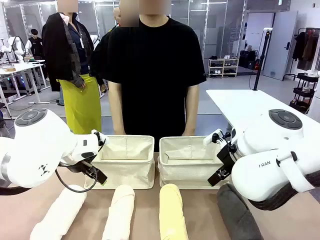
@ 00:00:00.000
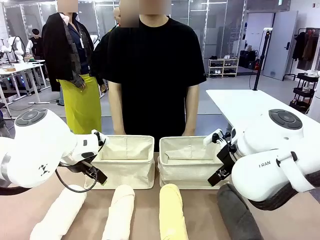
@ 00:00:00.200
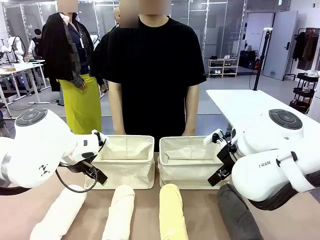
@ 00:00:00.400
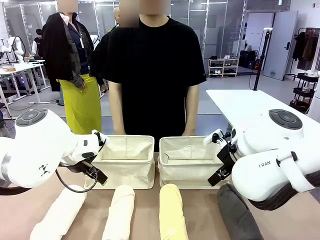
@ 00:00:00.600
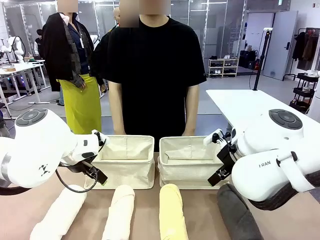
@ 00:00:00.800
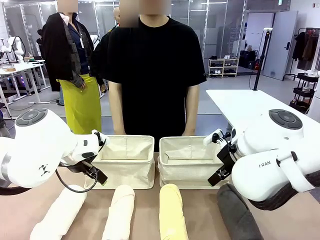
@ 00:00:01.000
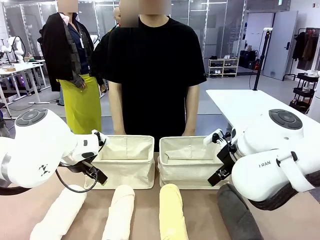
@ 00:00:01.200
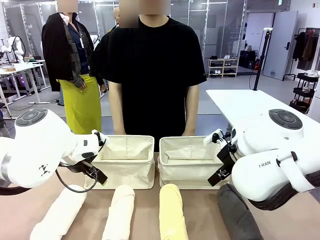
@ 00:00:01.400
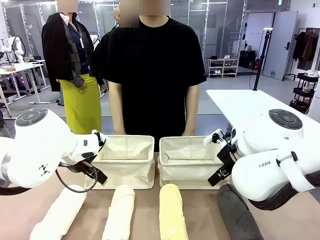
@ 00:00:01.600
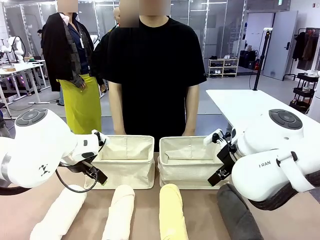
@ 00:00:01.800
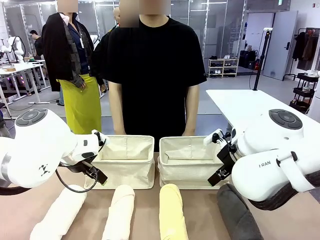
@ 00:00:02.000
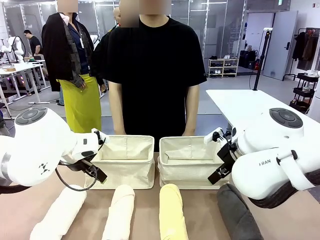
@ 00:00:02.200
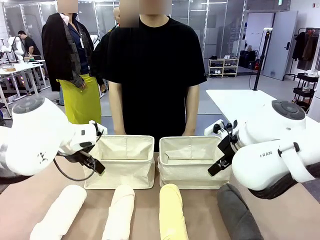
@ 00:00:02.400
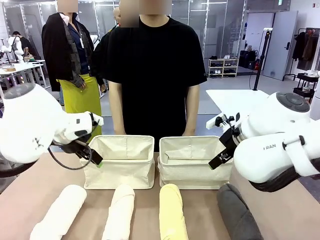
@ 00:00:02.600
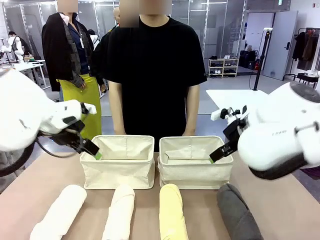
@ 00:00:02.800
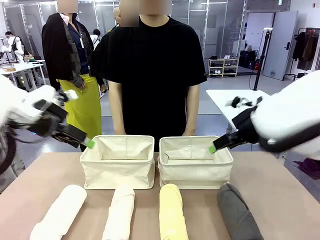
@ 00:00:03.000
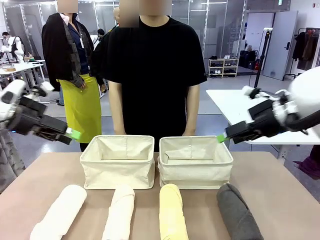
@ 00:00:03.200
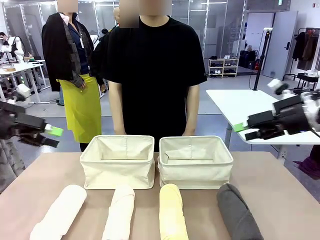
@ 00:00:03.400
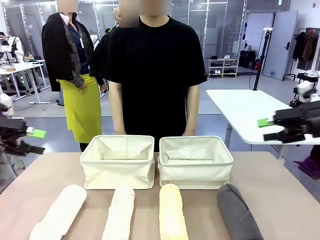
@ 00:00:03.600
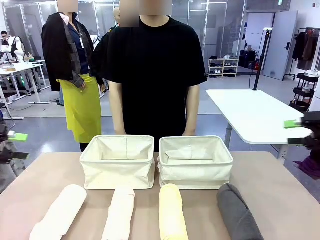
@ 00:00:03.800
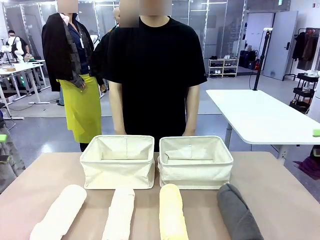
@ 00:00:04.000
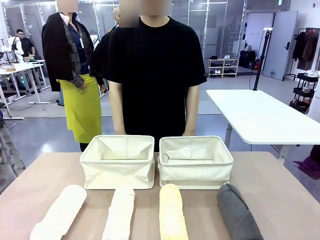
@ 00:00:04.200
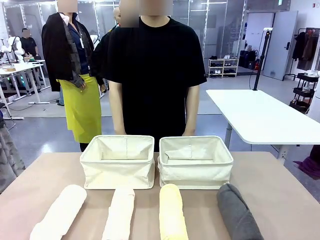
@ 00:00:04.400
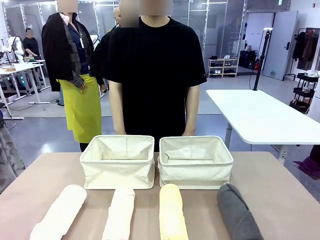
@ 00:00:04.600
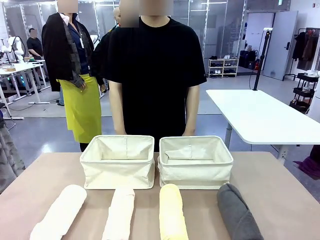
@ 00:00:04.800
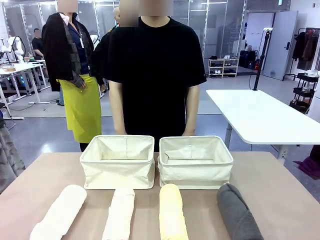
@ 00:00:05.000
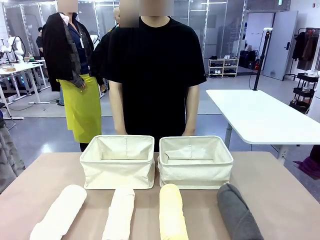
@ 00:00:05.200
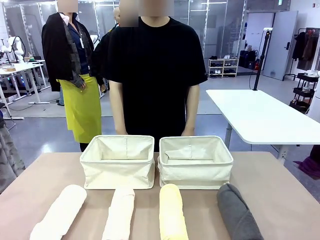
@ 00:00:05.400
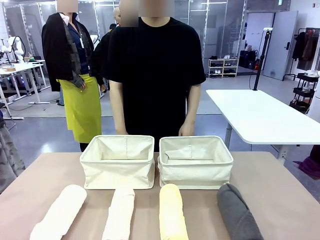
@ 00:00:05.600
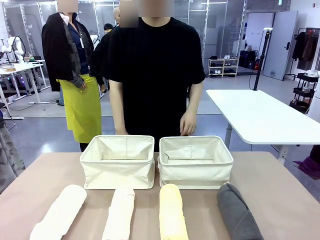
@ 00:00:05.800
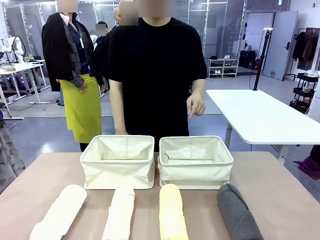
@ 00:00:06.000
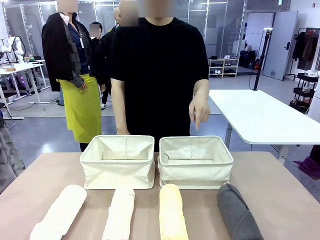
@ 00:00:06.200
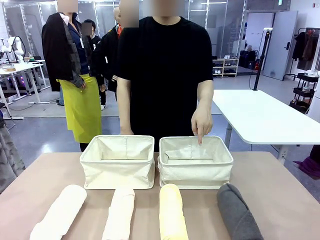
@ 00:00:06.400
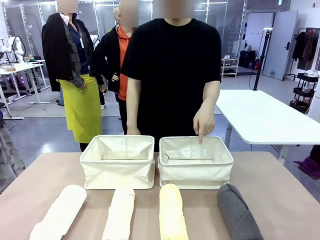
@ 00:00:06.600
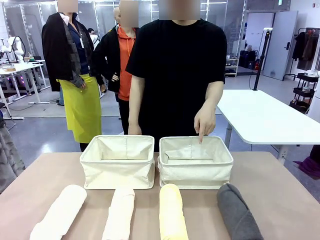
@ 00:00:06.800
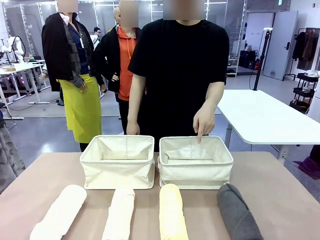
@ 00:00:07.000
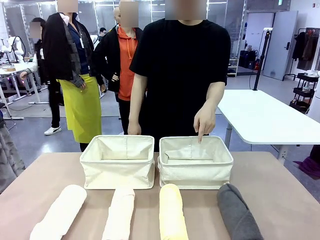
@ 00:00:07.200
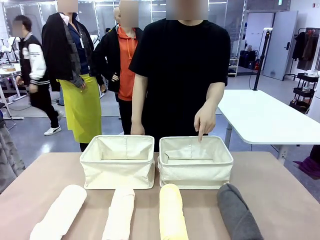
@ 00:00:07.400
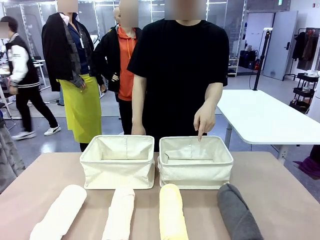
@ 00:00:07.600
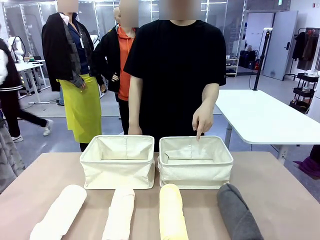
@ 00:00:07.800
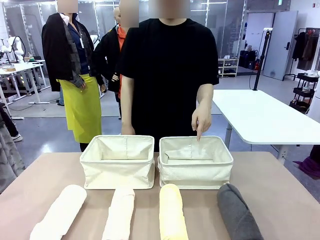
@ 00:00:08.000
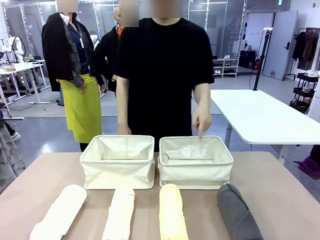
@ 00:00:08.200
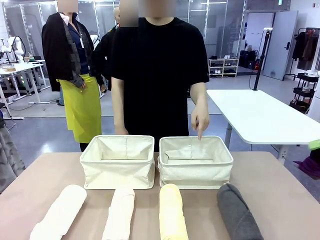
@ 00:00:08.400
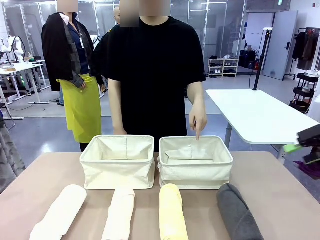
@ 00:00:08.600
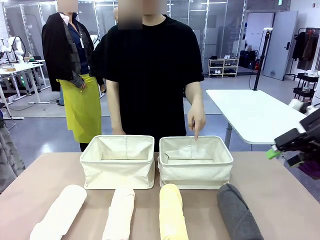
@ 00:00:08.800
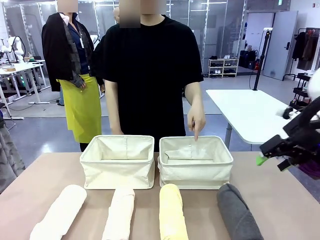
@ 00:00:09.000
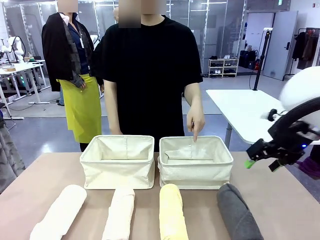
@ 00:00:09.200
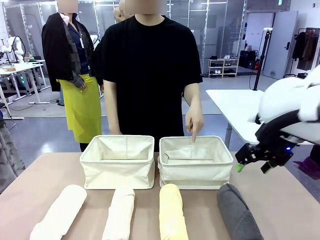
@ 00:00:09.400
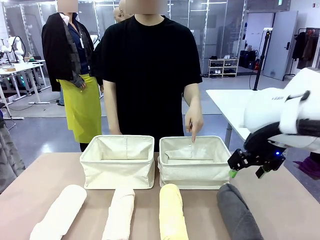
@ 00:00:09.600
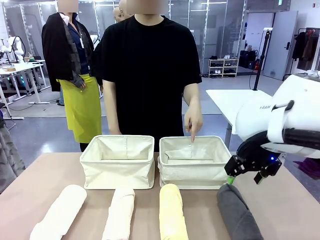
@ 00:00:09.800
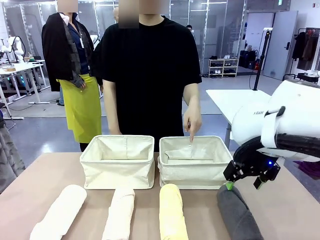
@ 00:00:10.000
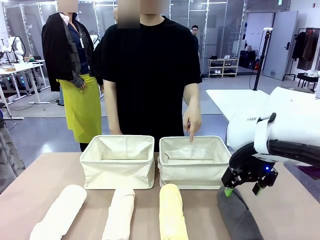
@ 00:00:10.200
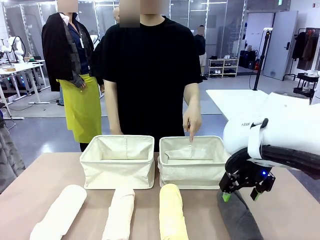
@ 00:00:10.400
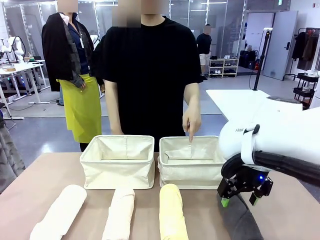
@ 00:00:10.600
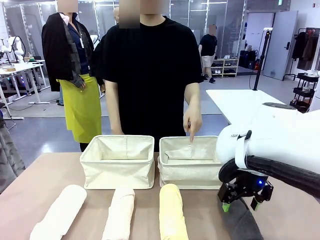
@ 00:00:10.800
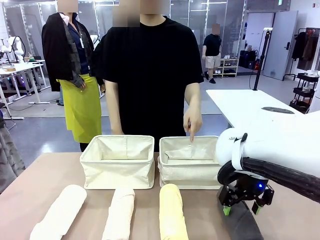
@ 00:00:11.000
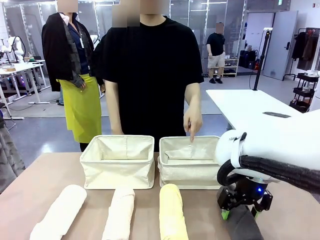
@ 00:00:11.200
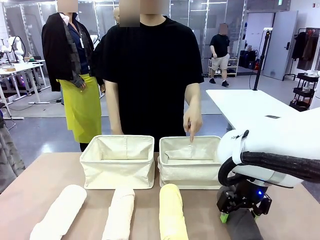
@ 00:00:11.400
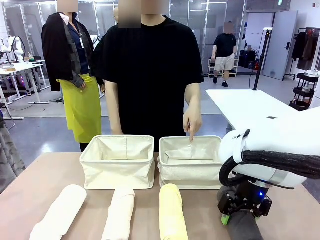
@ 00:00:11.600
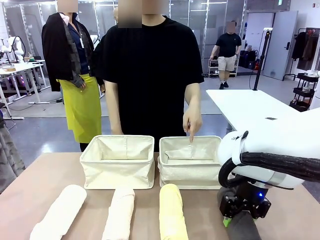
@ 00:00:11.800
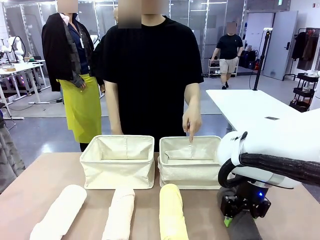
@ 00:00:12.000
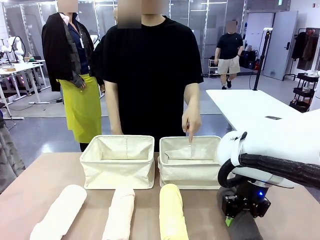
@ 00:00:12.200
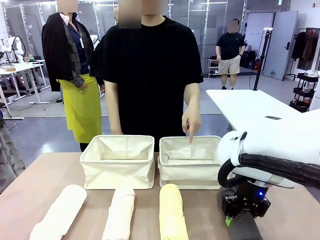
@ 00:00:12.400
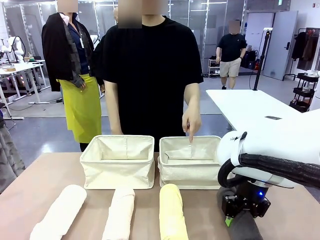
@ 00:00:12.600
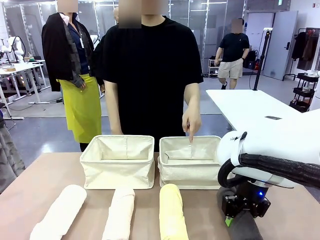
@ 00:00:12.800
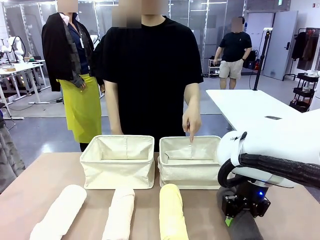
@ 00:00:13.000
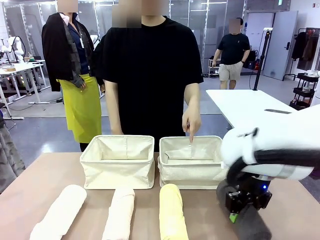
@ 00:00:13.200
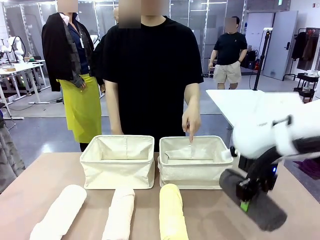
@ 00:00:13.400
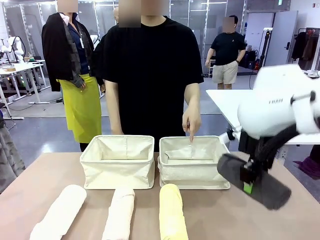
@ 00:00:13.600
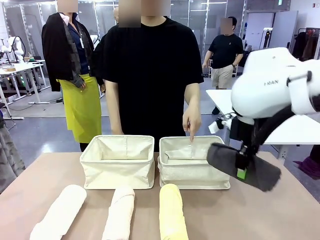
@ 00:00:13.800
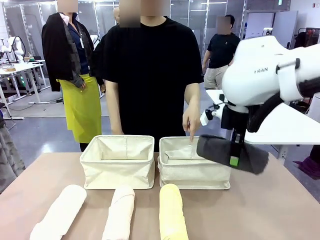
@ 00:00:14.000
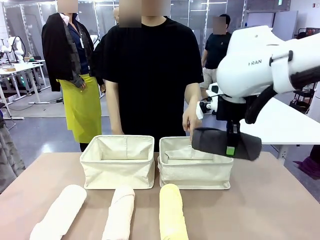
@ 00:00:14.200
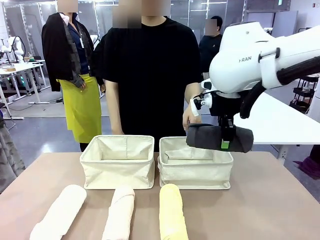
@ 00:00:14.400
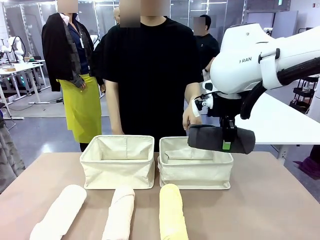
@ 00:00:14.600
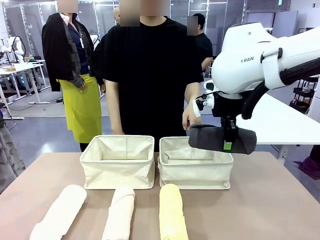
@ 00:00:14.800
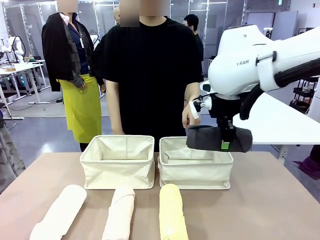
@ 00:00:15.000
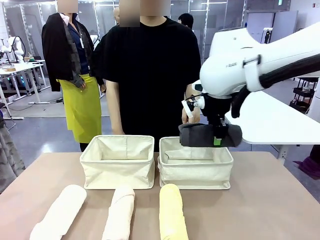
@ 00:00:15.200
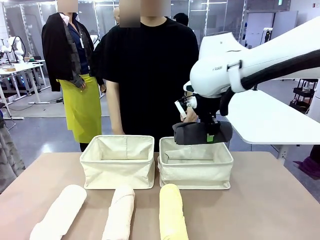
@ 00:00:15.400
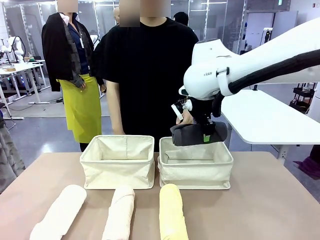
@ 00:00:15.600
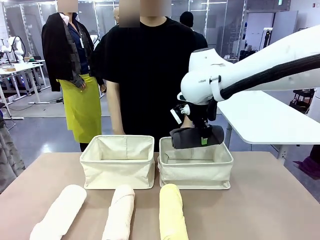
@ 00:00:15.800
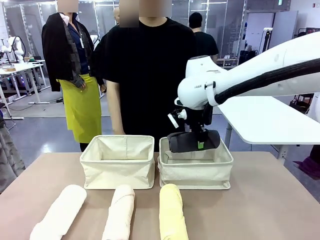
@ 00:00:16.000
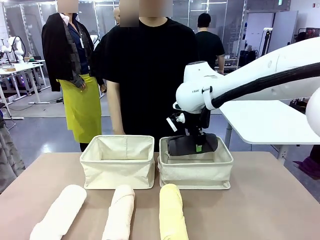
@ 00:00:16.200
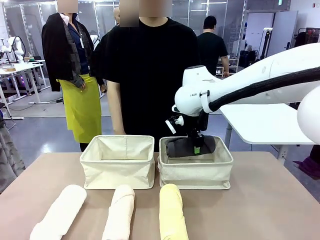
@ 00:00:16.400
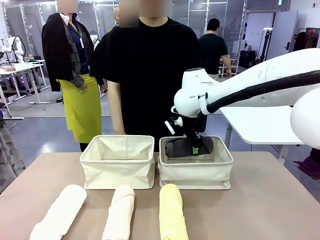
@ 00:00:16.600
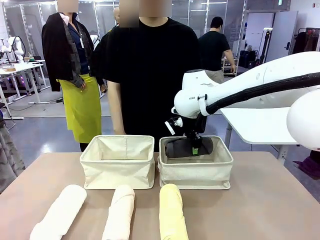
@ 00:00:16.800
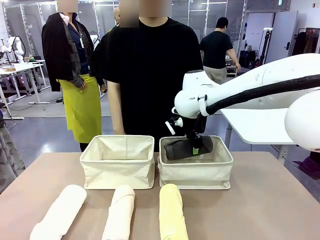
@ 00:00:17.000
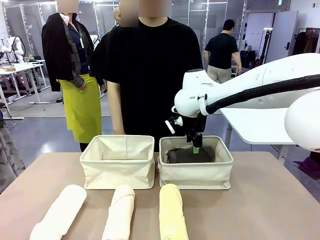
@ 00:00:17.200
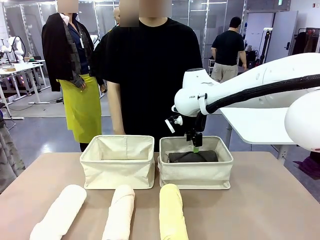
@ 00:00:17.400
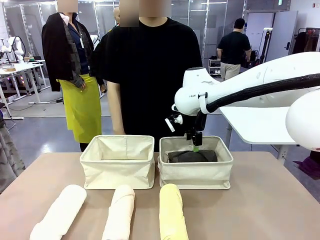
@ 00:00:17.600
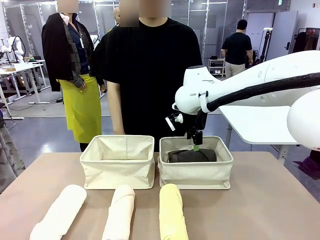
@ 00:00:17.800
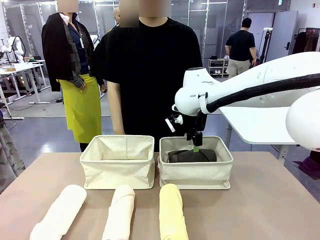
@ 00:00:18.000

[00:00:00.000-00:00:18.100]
Task: Divide the towels into two baskets.
Robot: Pick up one hotel-folded towel and place it in the Fabric basket indicated by the person.
